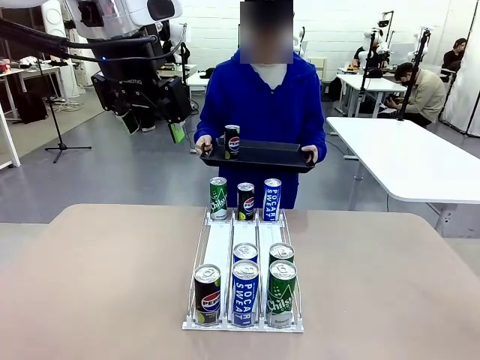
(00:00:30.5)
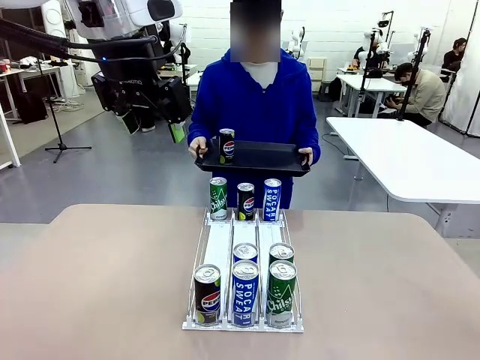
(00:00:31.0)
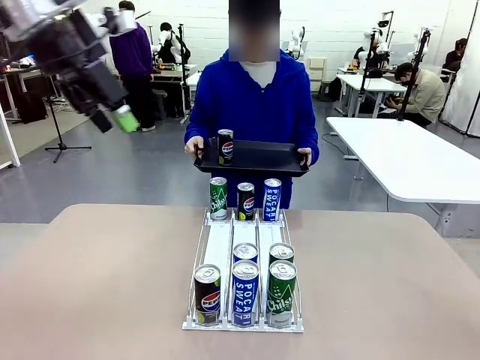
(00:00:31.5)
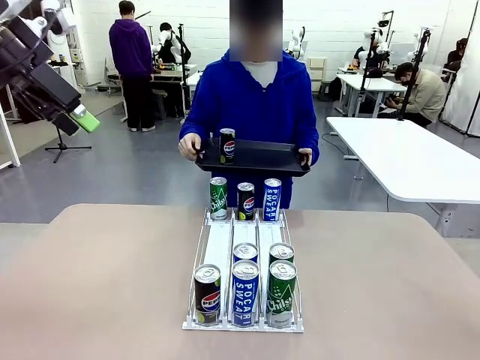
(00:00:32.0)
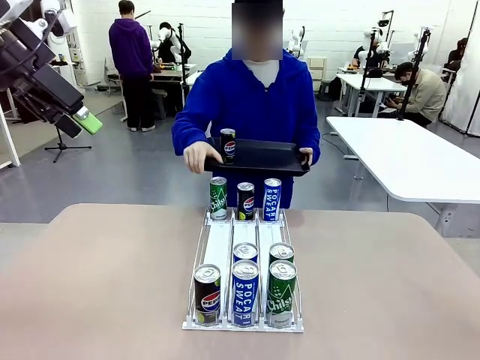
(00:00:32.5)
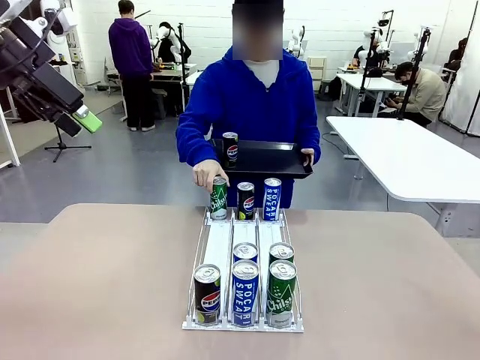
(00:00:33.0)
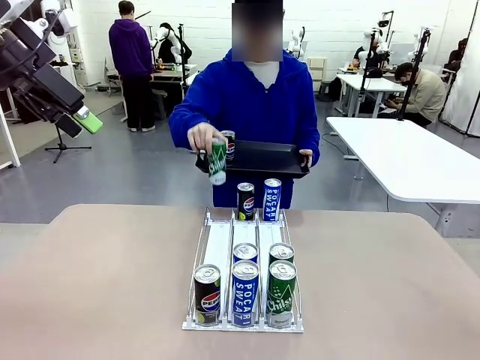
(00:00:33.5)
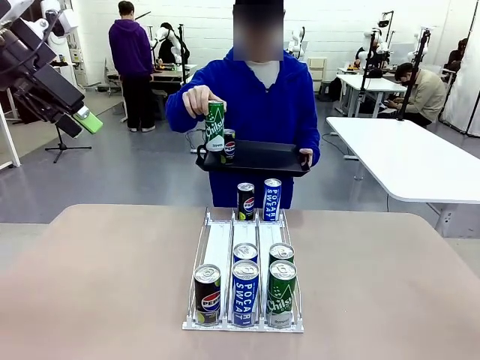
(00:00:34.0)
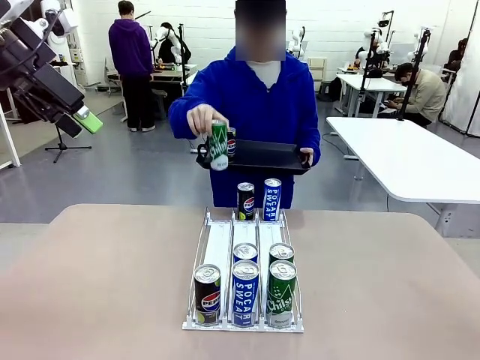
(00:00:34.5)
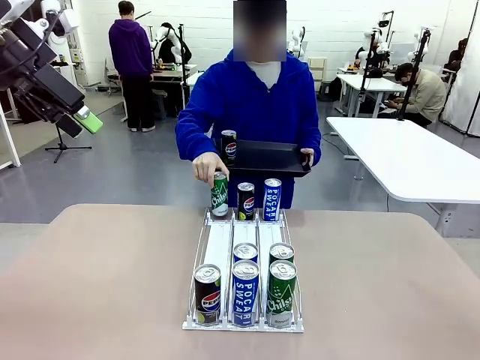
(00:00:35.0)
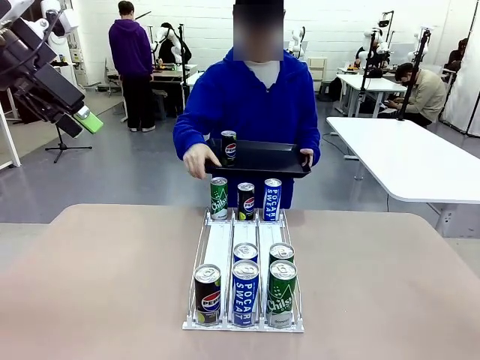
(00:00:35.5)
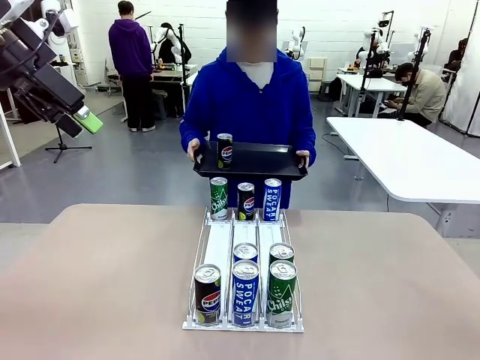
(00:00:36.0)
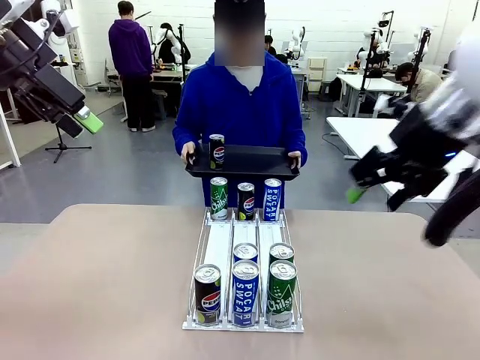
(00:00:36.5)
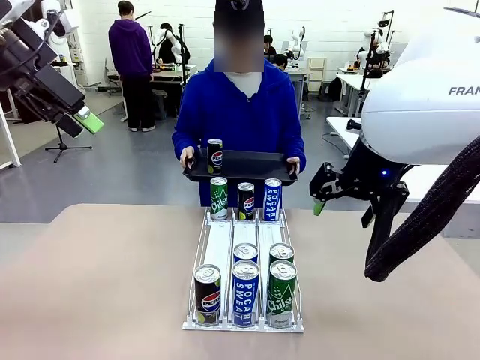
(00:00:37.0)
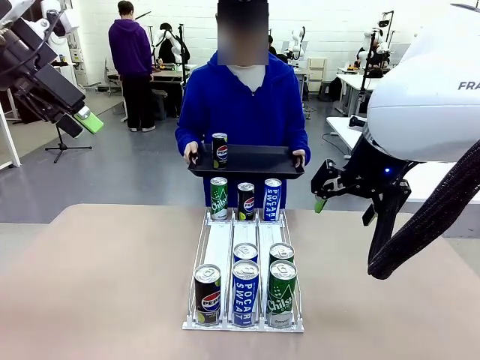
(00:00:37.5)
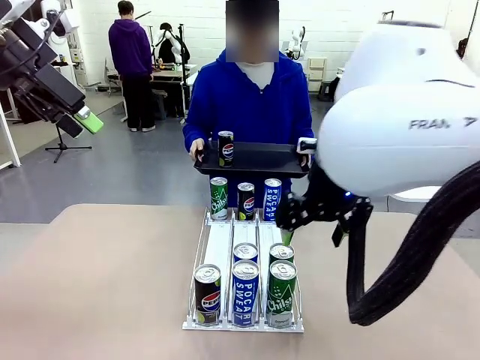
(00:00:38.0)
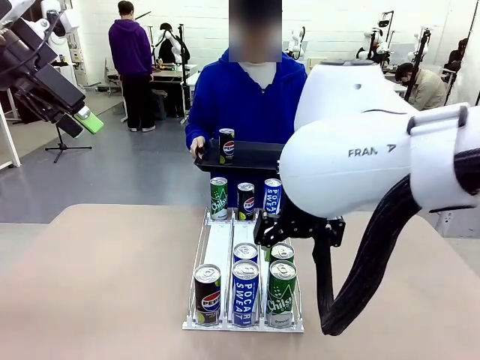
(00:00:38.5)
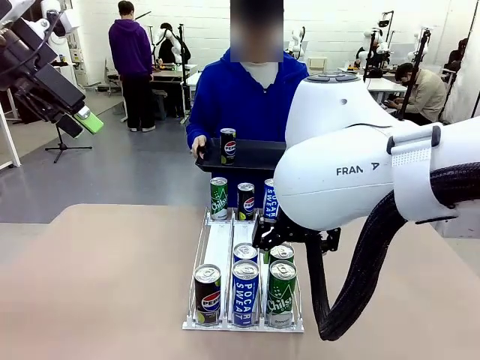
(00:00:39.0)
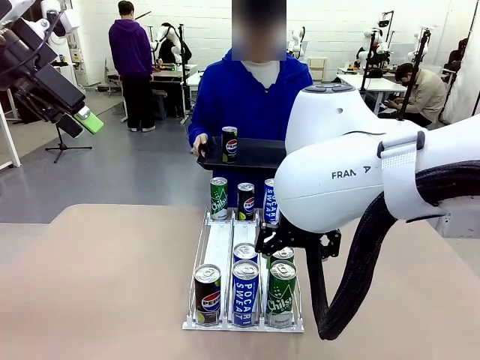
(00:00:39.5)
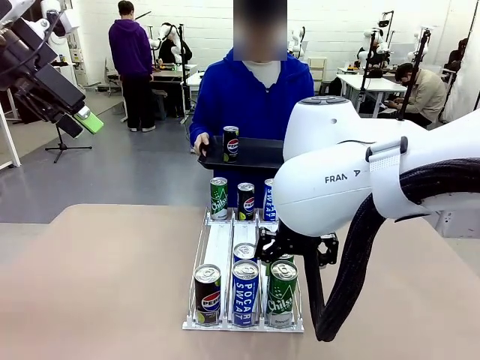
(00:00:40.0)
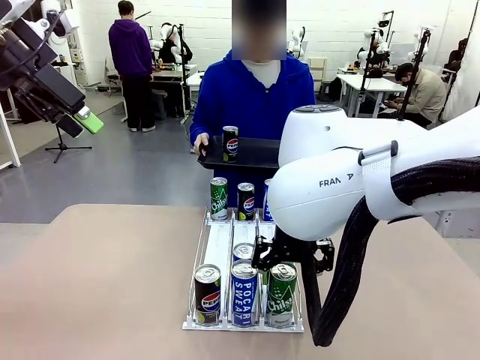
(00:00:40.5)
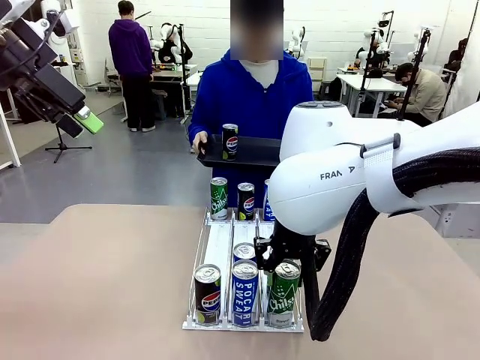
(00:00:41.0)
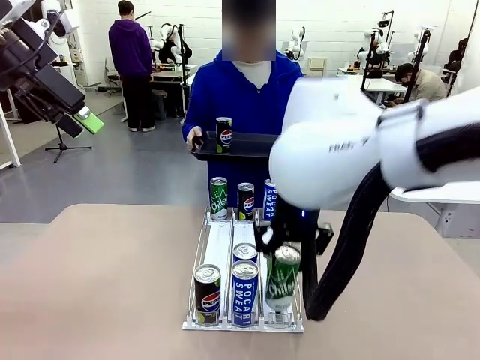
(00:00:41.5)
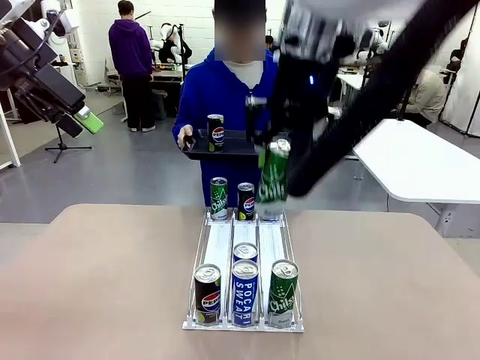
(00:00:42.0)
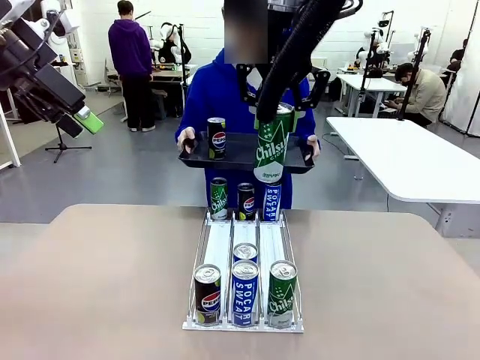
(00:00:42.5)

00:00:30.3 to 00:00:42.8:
Task: Retrieve and hand over the desired beverage to the person.
Robot: Pick up another can of the same type that the person held from the Automatic Can Dispenser.
Person: Pull the tray back, then pick up another can from the bottom area of the table and puts it back in its original place. Push the tray toward the robot again.

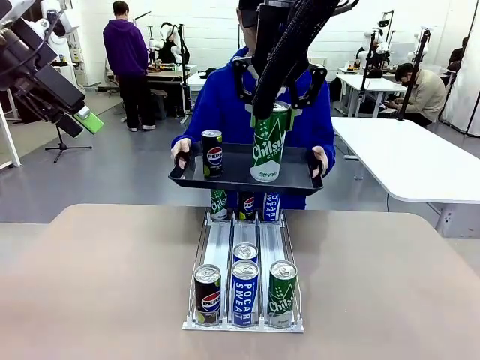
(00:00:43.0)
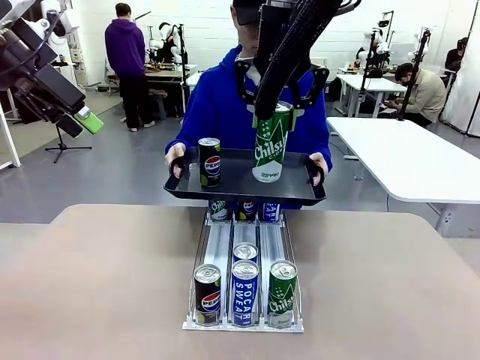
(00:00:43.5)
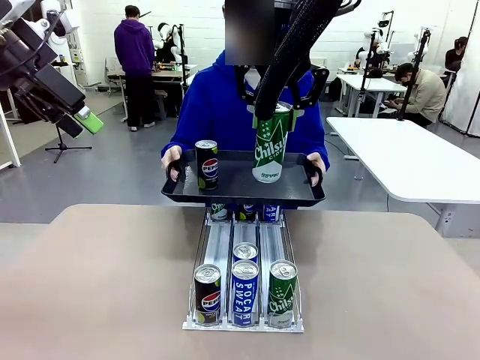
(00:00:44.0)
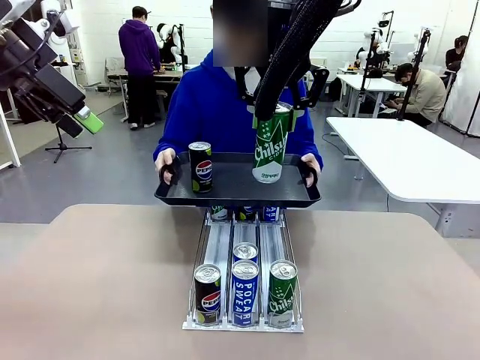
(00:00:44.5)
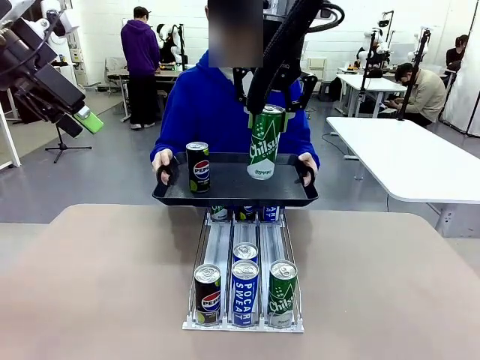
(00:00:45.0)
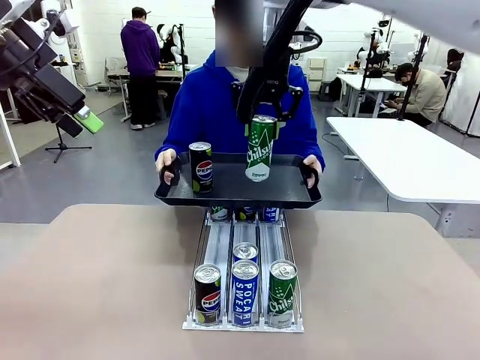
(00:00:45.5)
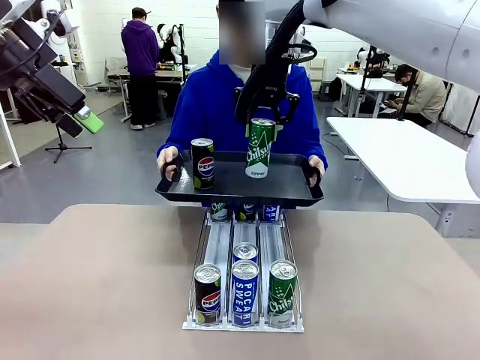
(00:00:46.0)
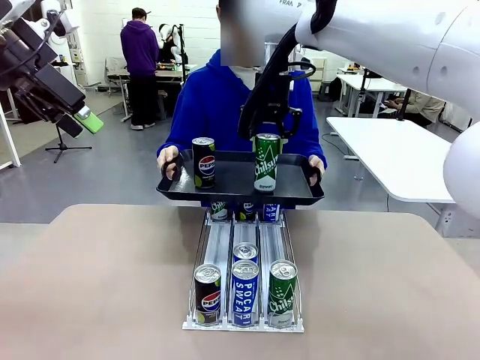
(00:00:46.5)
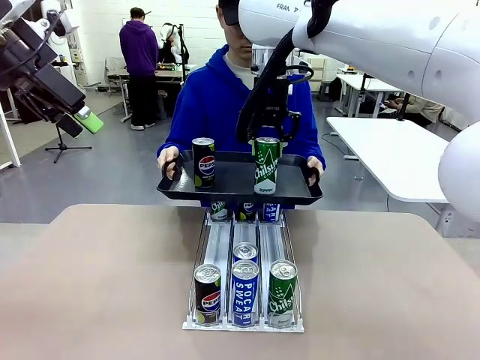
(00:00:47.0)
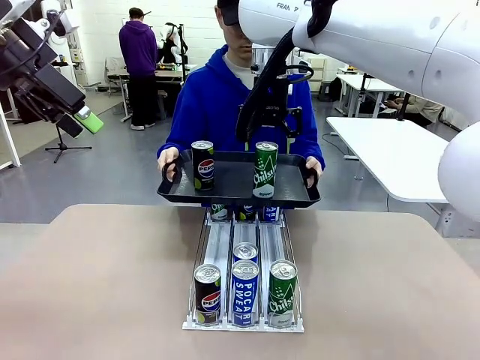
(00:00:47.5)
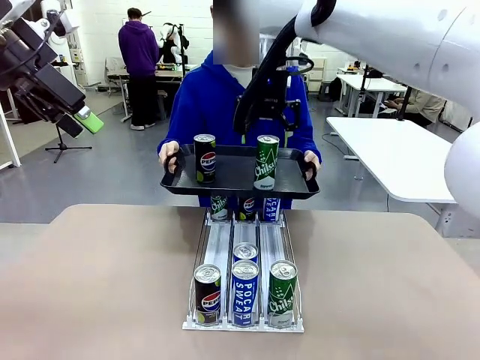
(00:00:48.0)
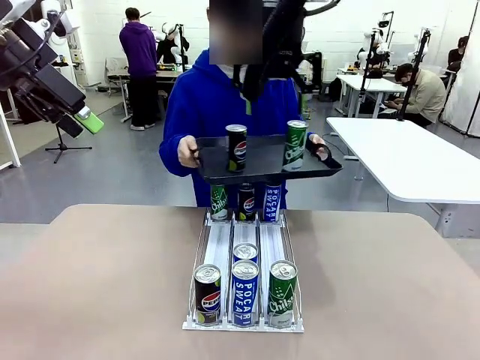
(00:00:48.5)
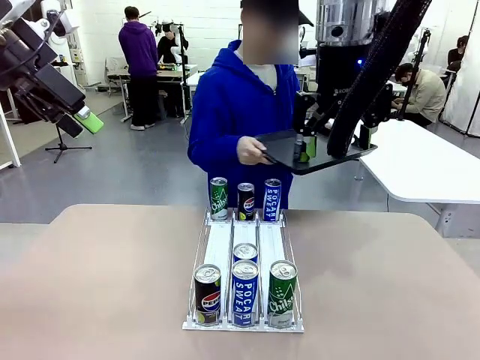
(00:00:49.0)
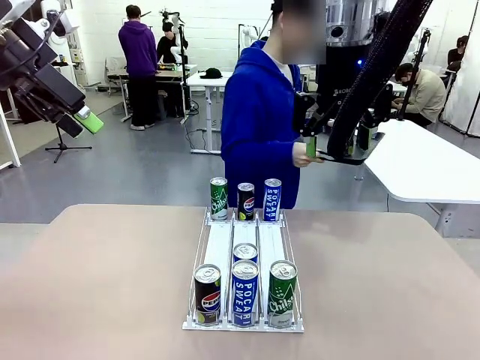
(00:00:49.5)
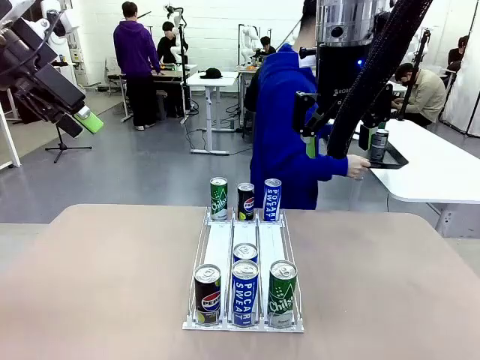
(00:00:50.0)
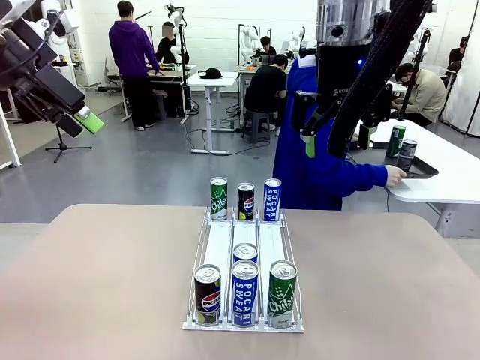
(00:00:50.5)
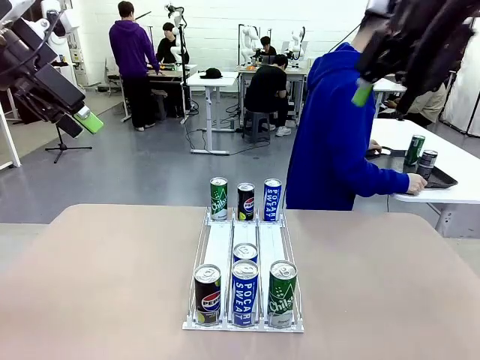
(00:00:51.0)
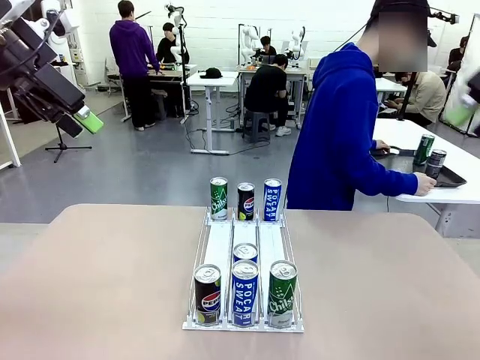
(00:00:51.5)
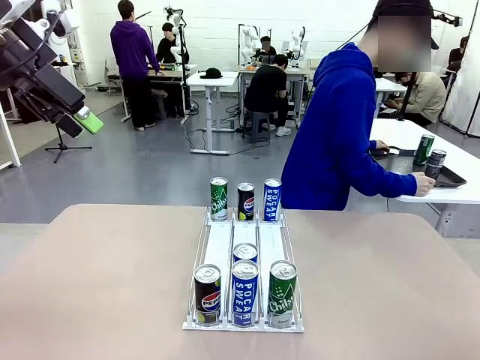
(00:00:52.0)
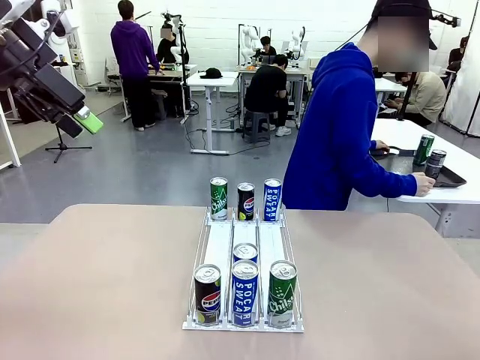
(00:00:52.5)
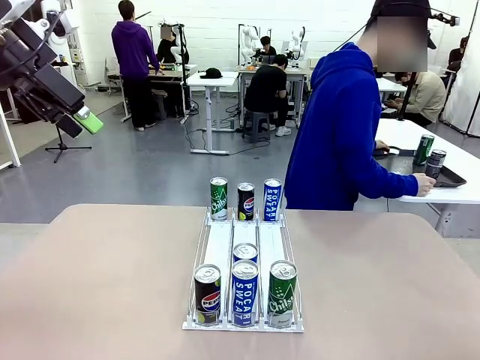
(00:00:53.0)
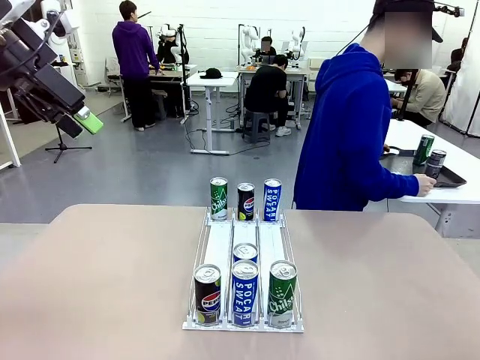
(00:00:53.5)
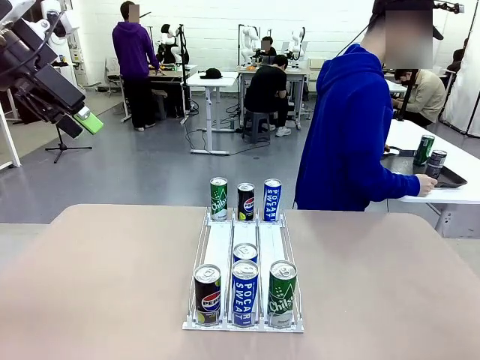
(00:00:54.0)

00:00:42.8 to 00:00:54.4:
Robot: Place the picked can on the Handle tray extended by the person.
Person: Pull the tray back and place it at the center of the human table.

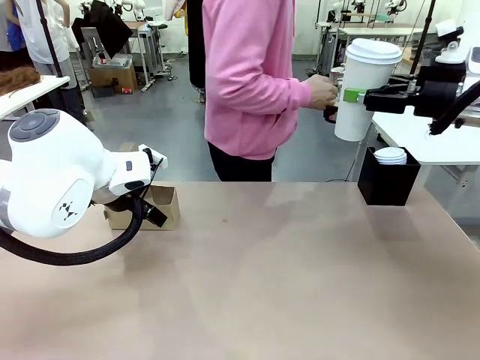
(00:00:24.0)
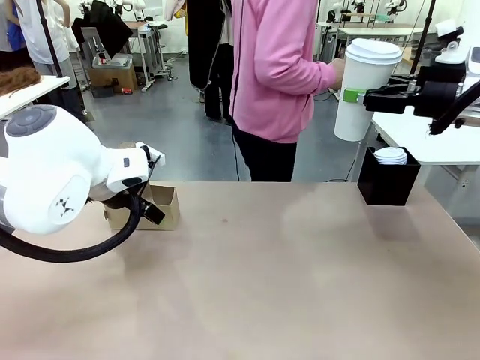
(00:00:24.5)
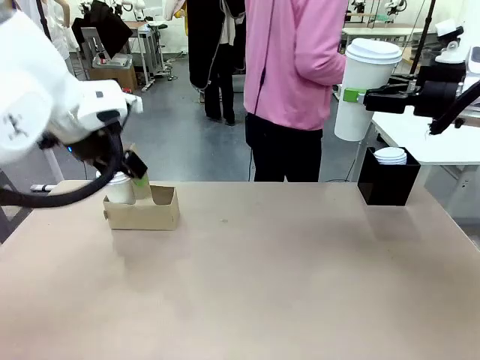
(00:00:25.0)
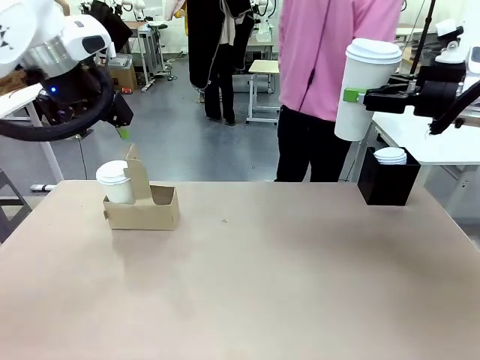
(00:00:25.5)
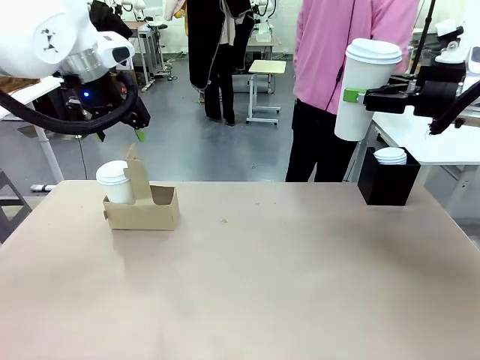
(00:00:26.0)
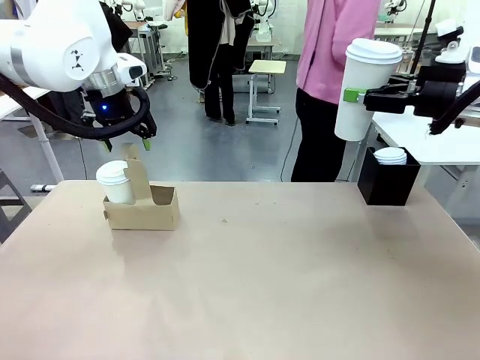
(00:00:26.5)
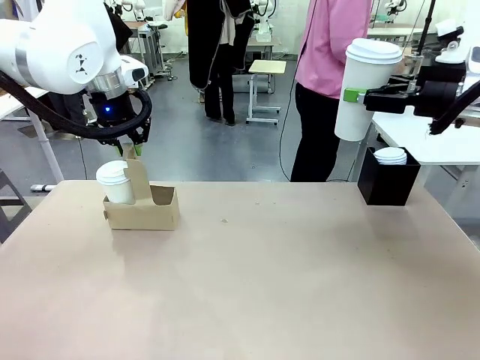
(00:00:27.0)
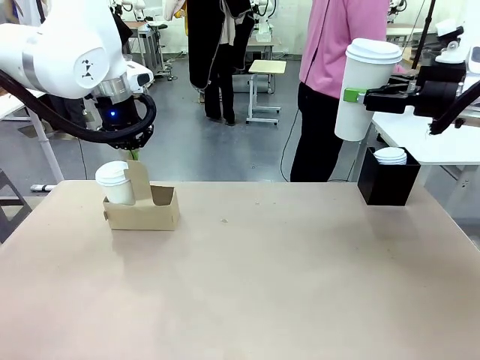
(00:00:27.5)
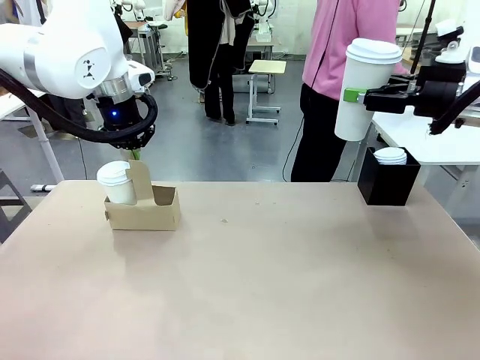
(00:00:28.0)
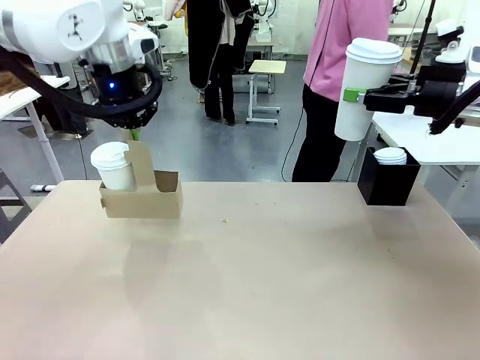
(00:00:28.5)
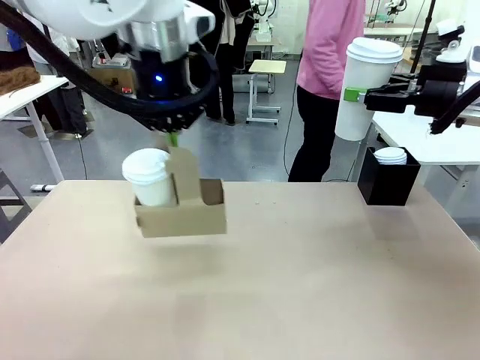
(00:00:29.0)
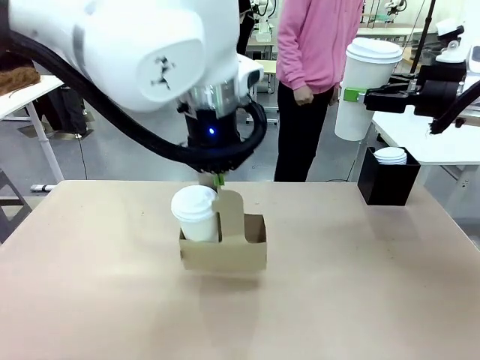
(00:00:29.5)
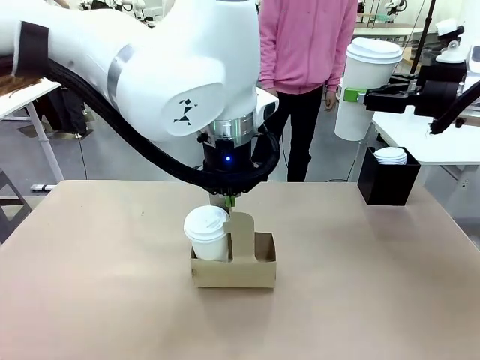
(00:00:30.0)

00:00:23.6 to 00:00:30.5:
Task: Pour a drink into a cup and package it in a carrier.
Robot: Position the Cup Carrier in the center of the table.
Person: Pick up the Filter Brewing and place on the middle of Human table, and return to the Robot table.
